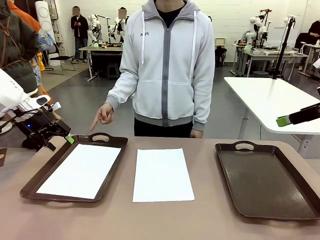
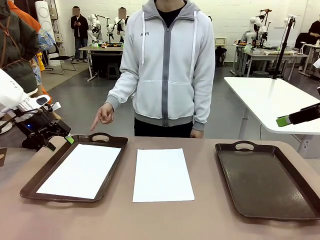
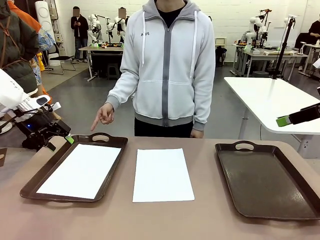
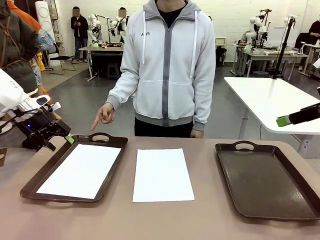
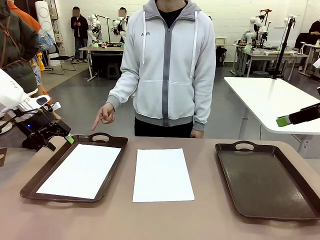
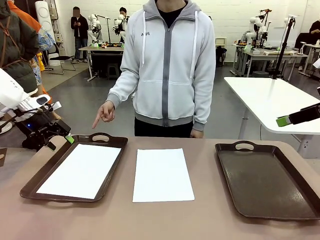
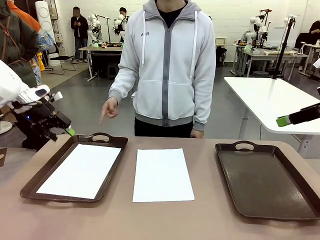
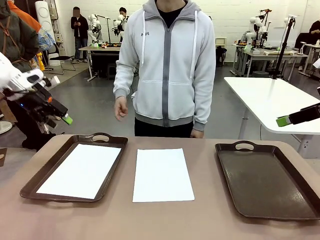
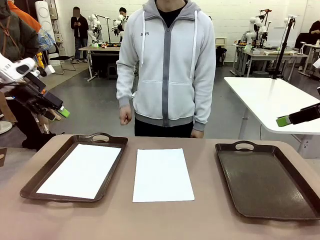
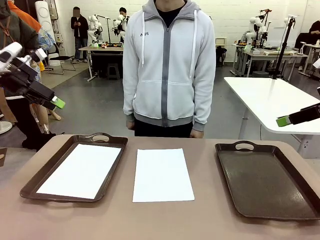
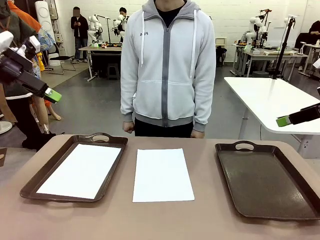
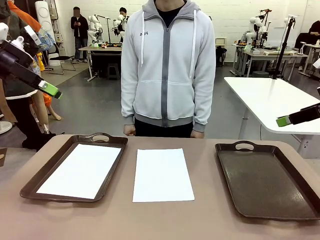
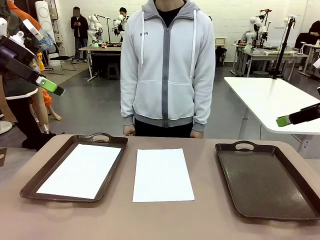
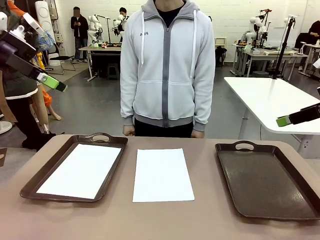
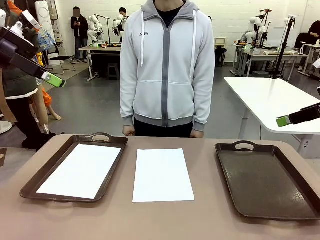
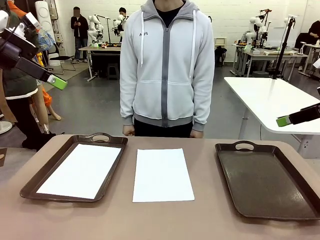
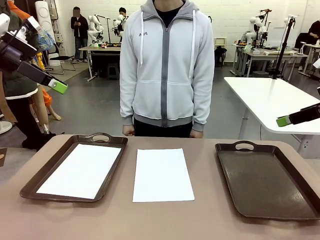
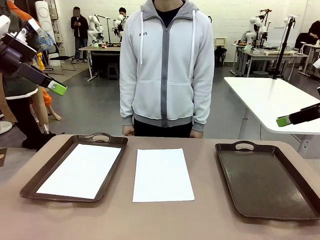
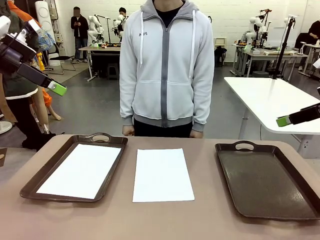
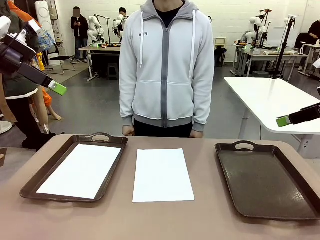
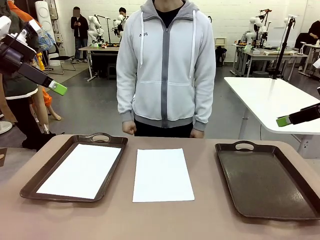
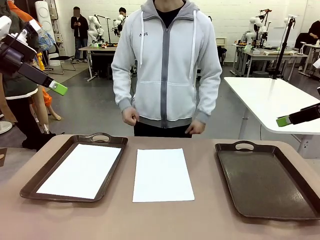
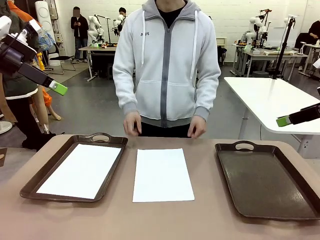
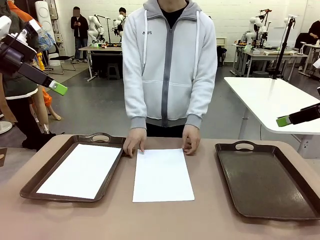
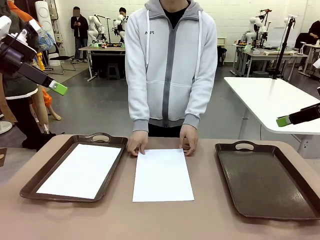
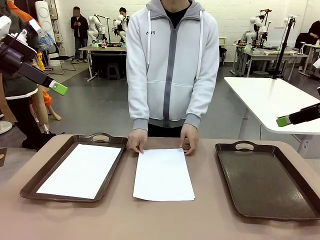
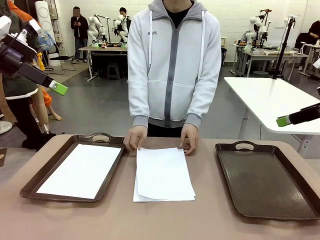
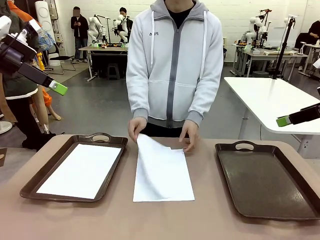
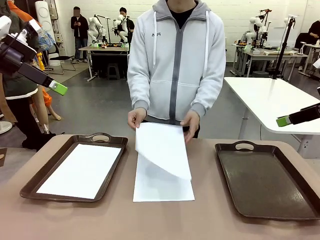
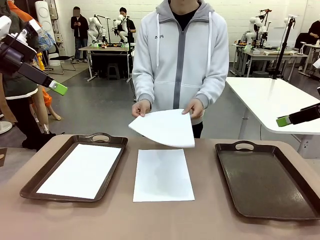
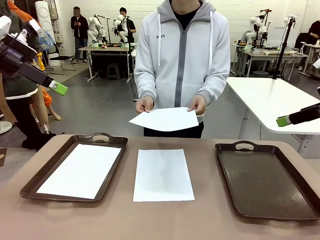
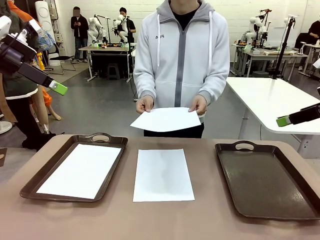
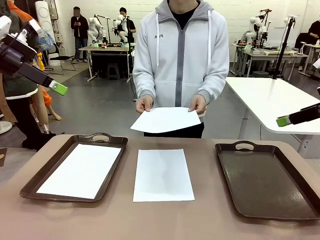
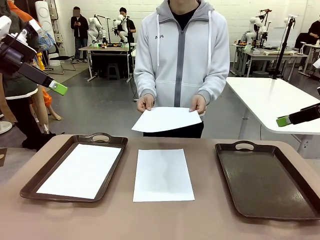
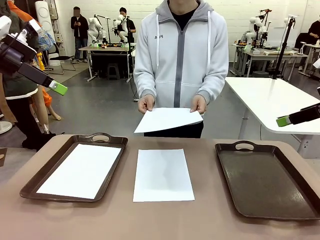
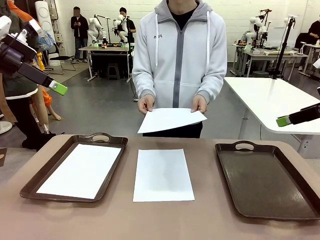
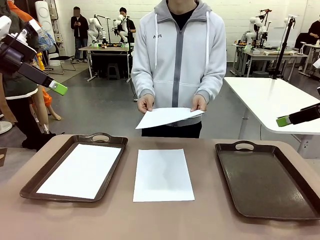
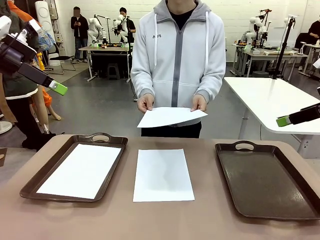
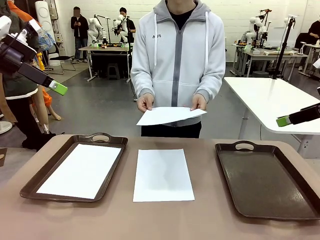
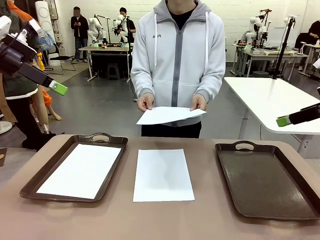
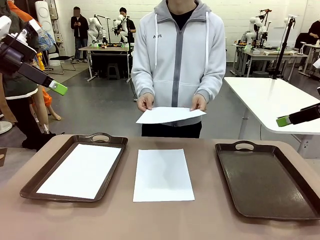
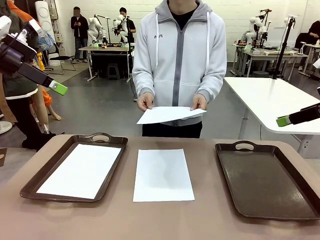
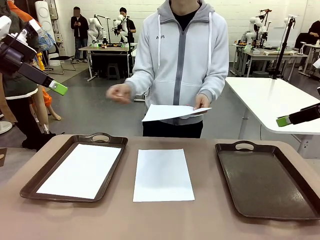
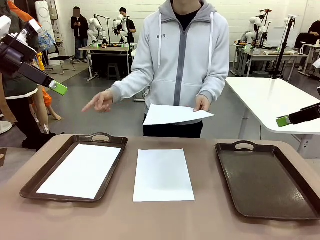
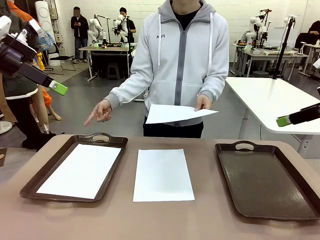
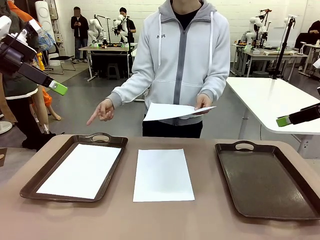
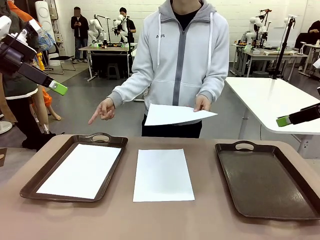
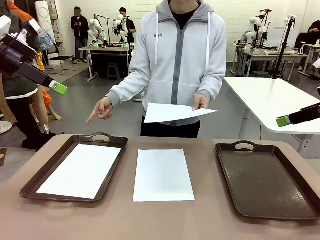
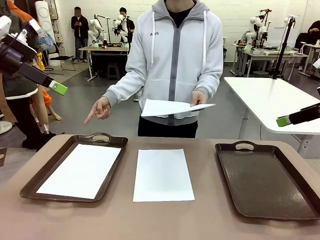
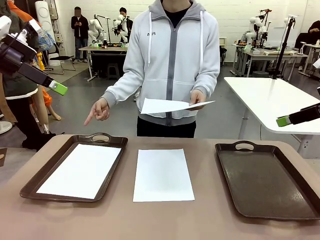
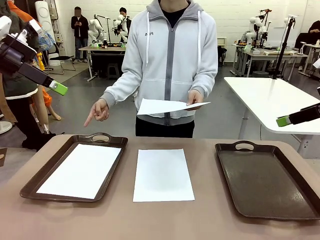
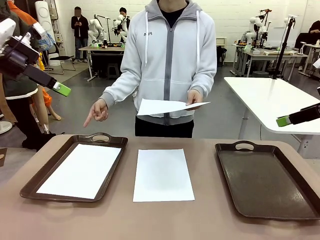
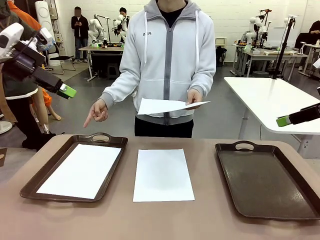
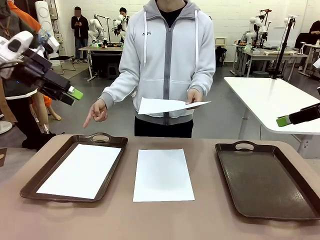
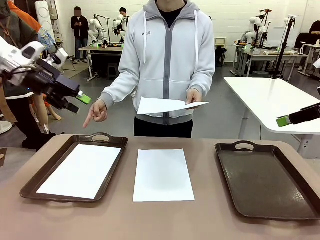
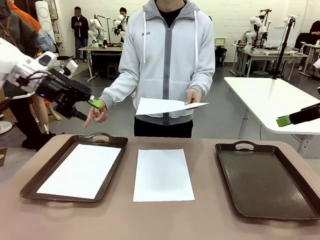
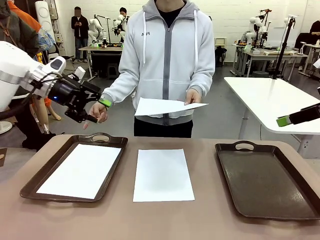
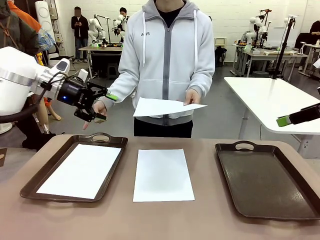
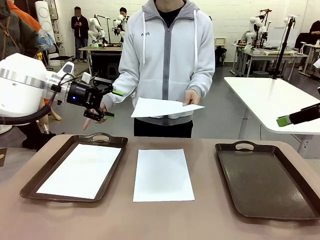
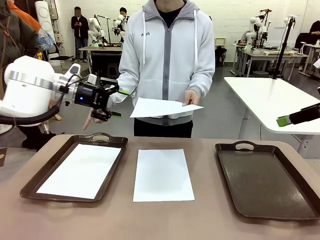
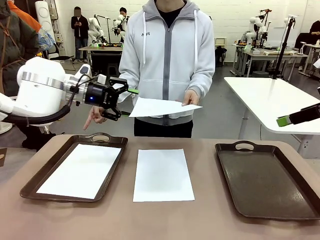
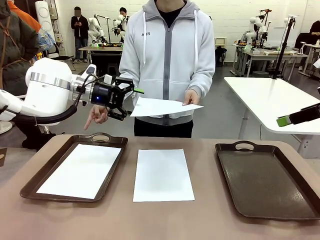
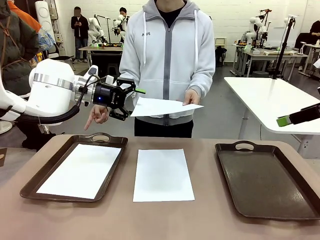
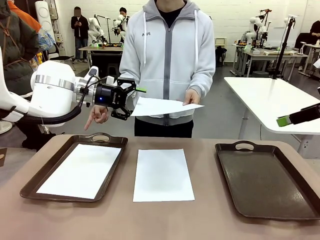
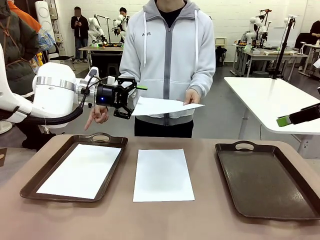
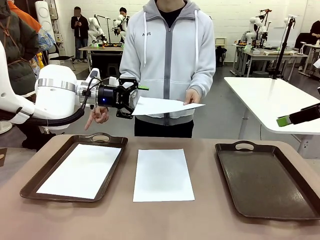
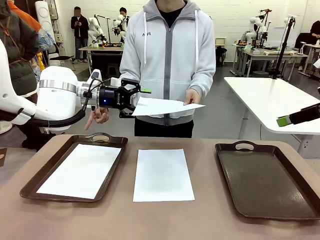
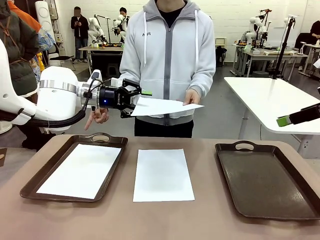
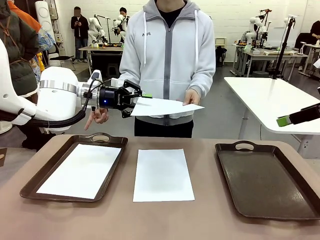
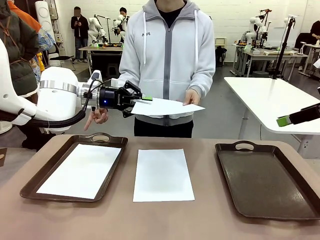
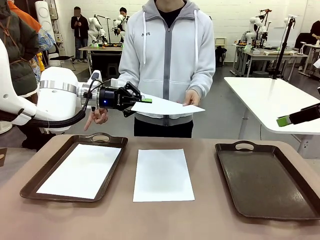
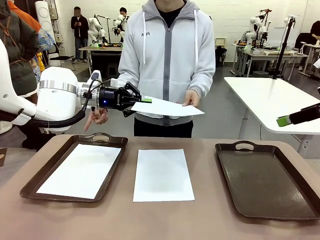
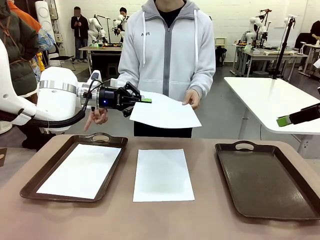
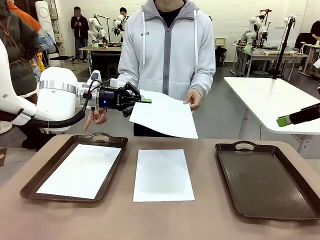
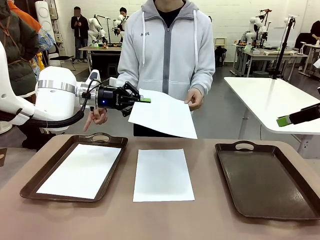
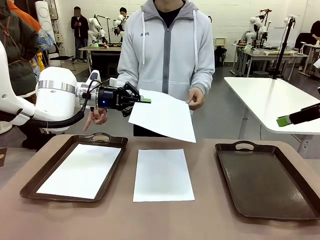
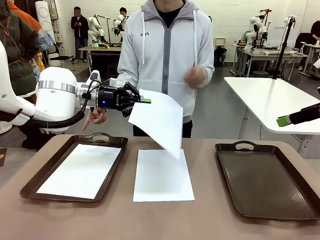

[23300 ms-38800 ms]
Task: Sort the A4 documents.
Robot: Receive the A4 Paper.
Person: Point the randomly selected tray with the other hand.

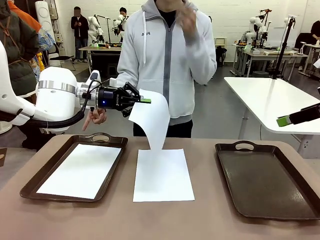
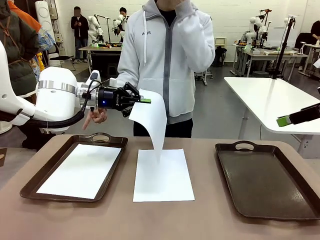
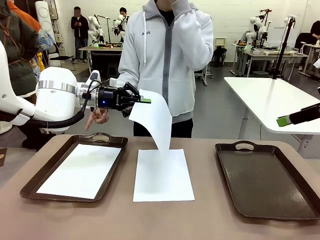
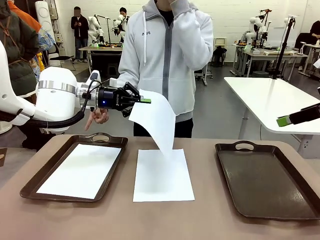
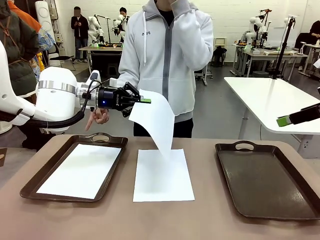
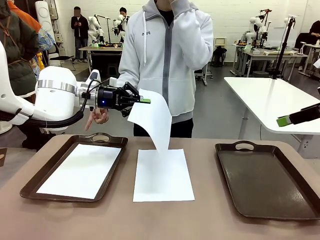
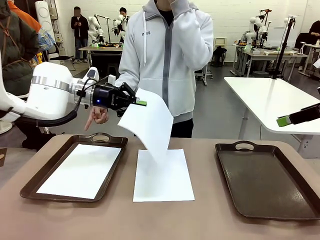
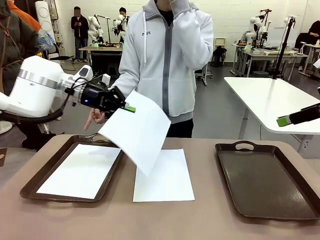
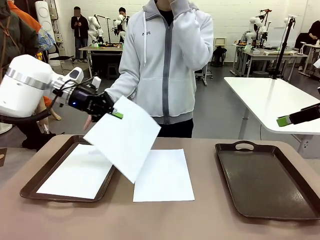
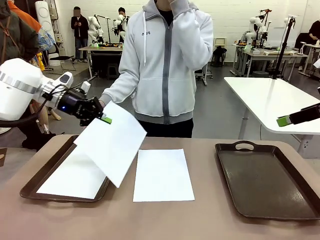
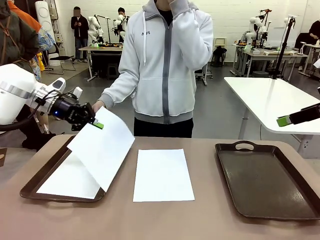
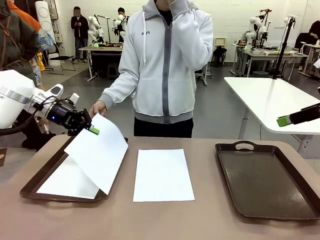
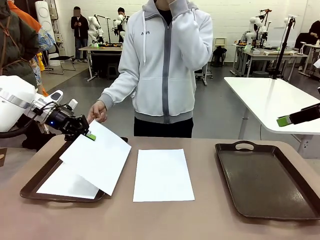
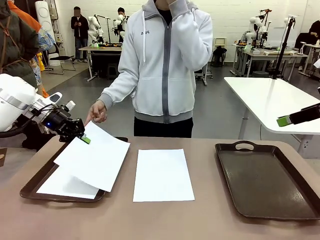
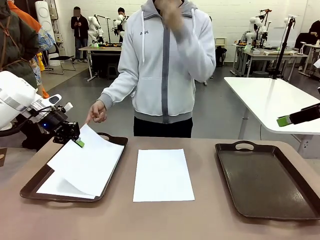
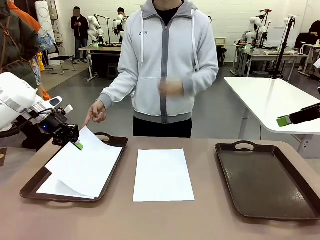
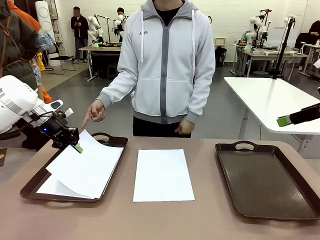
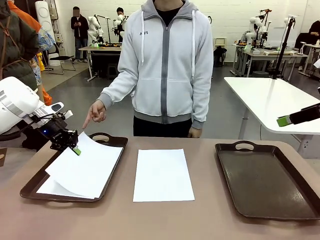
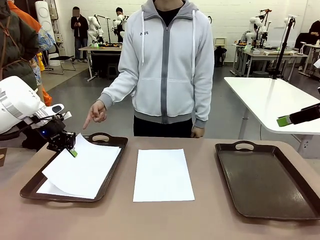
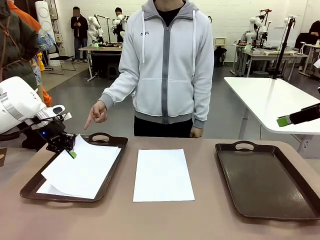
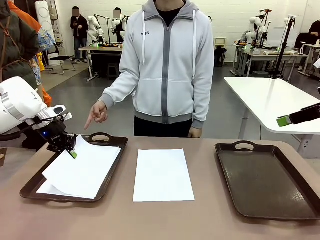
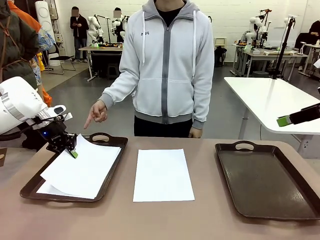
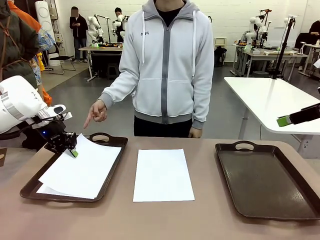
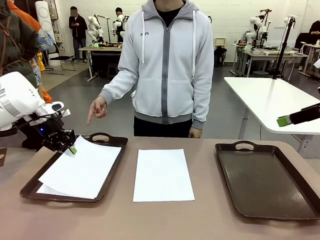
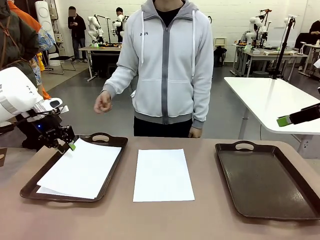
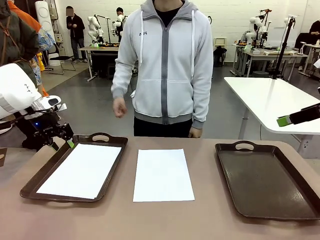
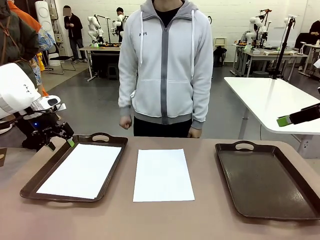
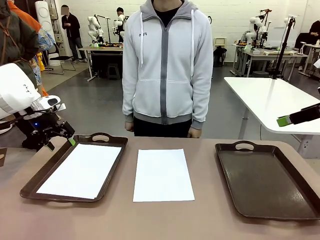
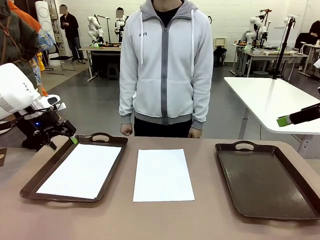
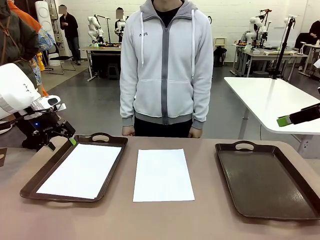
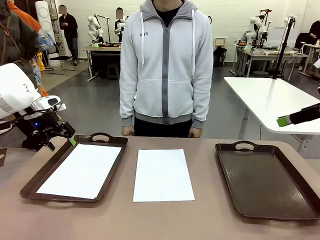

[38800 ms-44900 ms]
Robot: Place the A4 Paper in the designated Handle tray.
